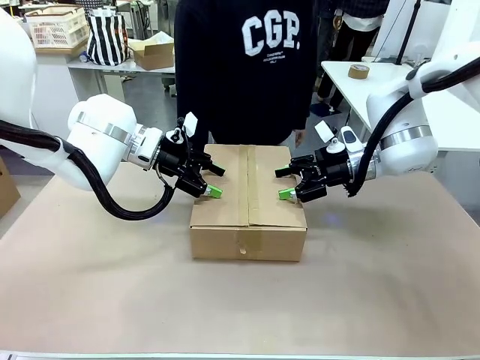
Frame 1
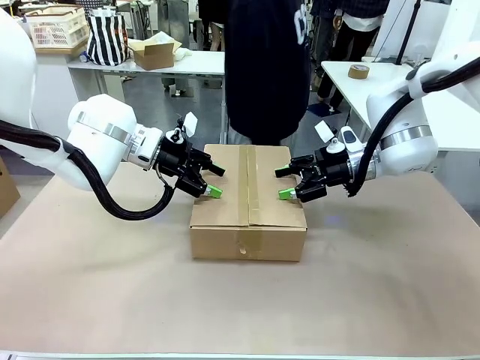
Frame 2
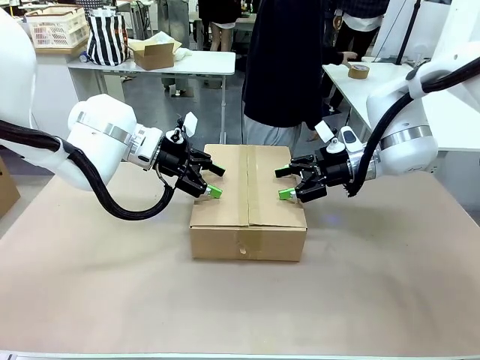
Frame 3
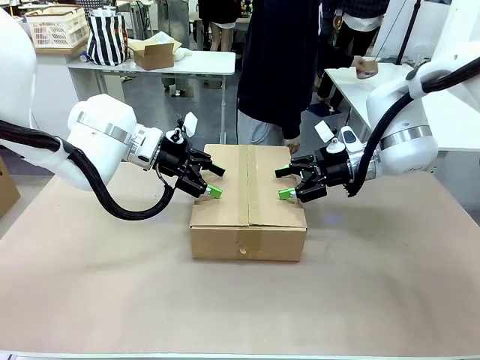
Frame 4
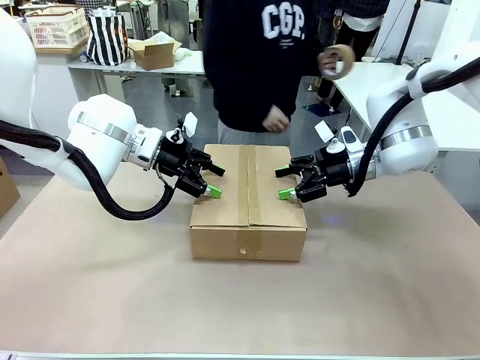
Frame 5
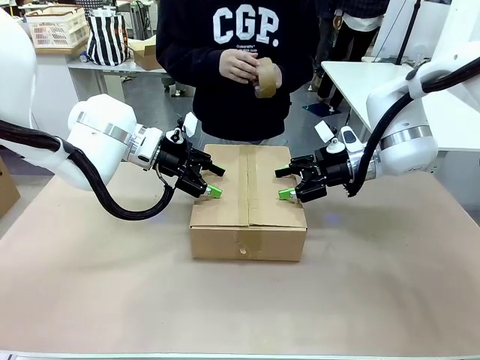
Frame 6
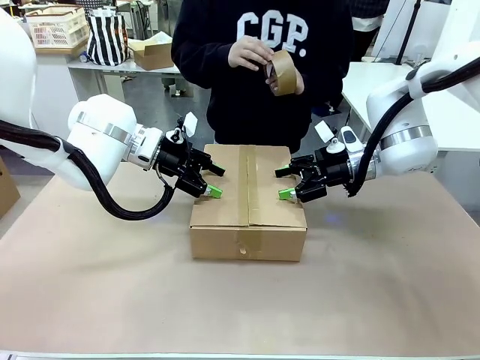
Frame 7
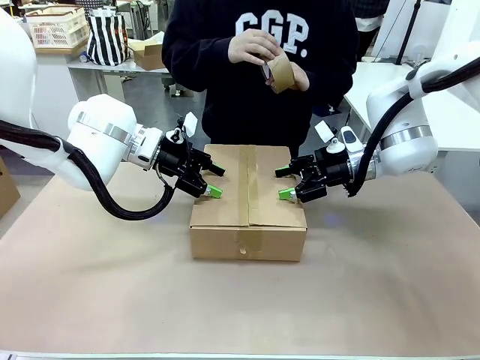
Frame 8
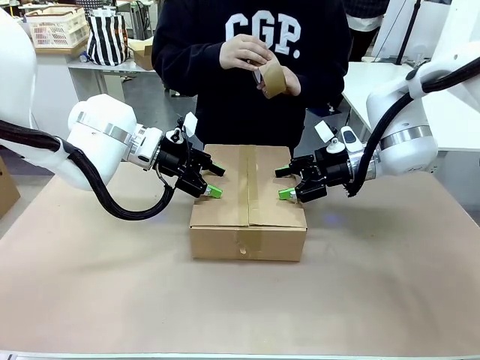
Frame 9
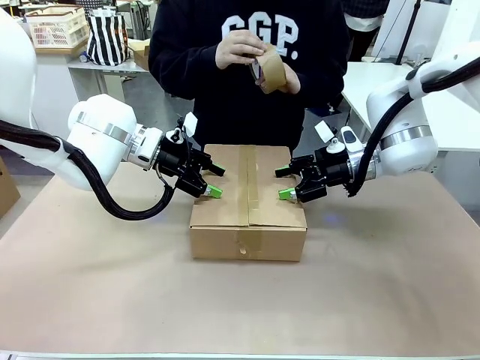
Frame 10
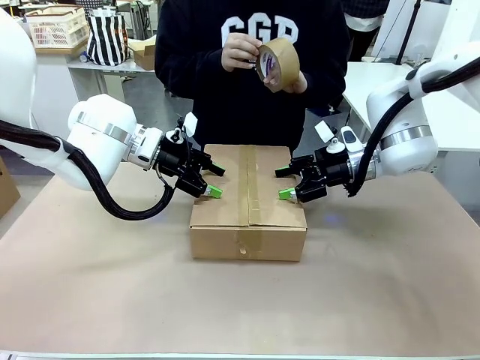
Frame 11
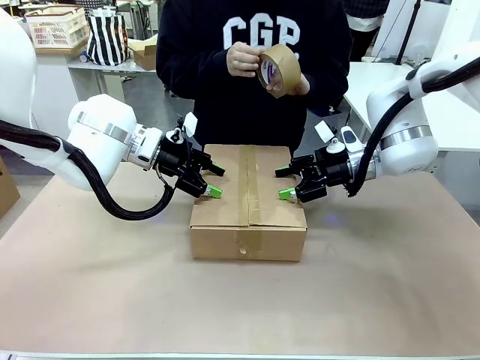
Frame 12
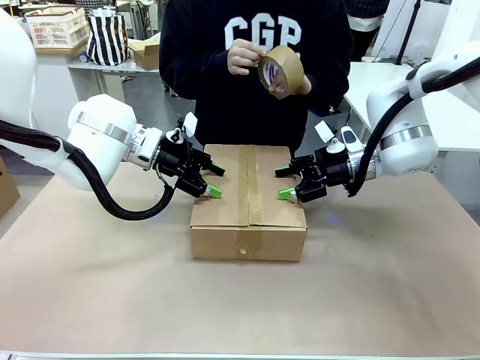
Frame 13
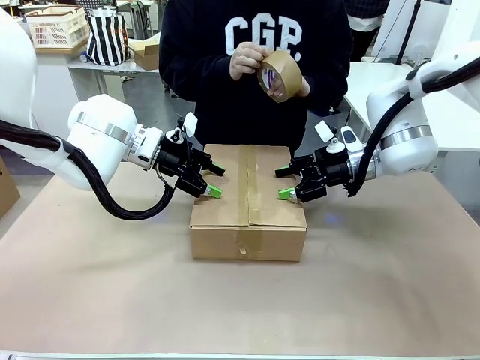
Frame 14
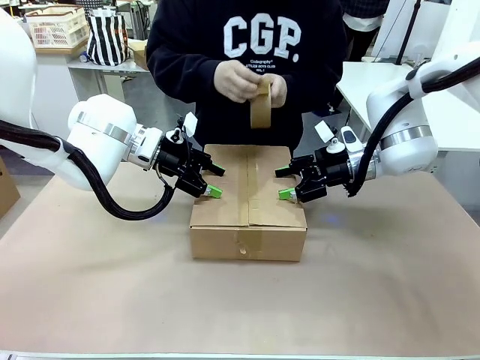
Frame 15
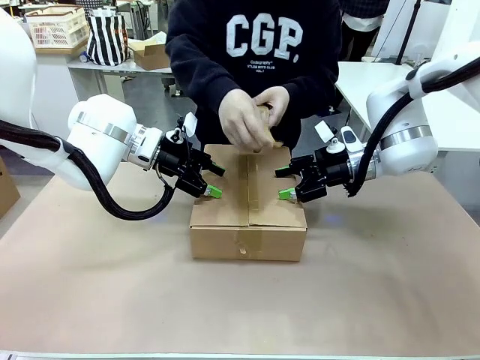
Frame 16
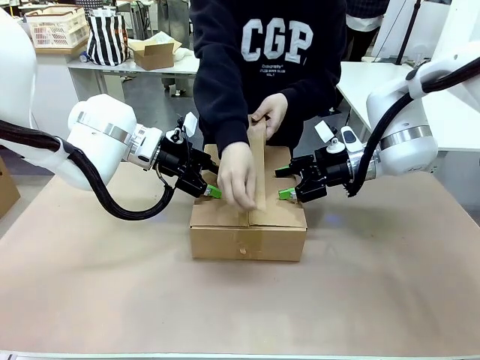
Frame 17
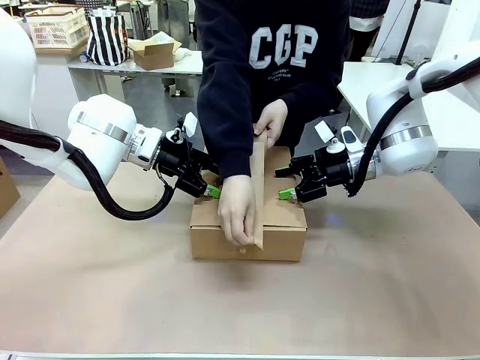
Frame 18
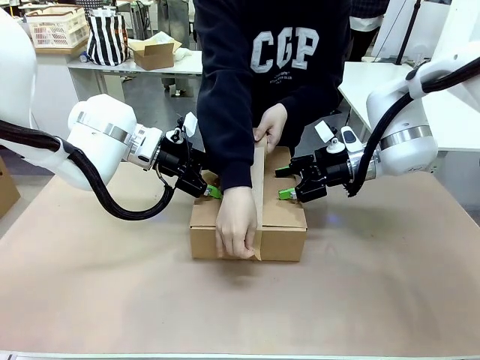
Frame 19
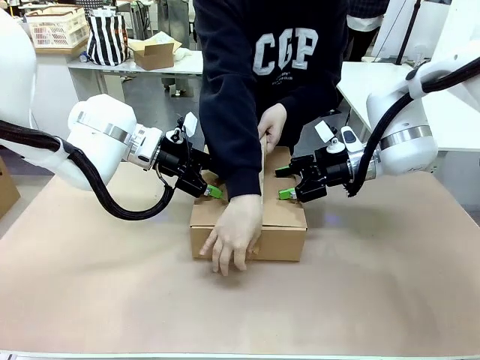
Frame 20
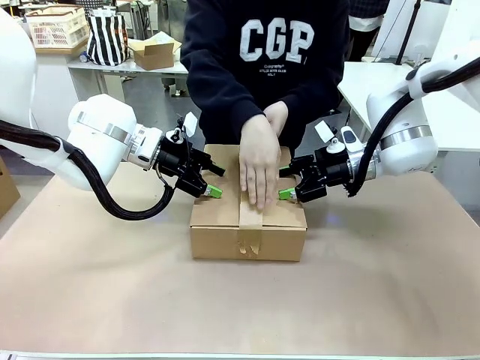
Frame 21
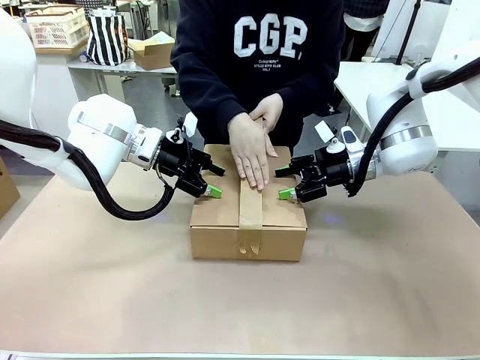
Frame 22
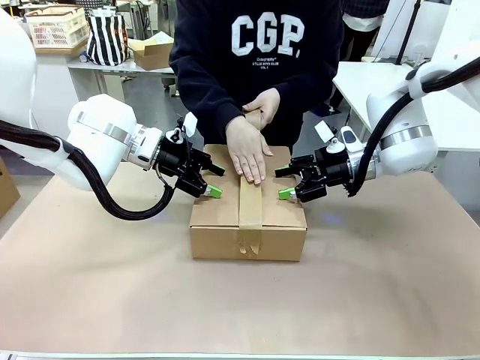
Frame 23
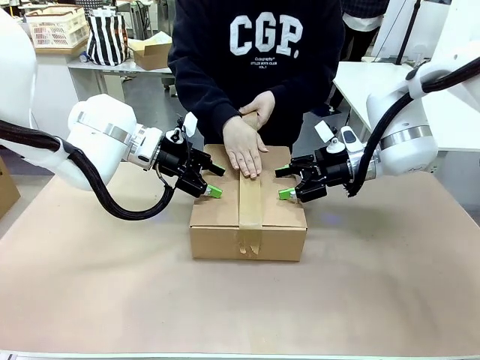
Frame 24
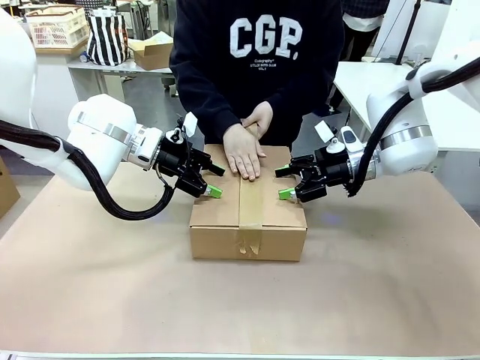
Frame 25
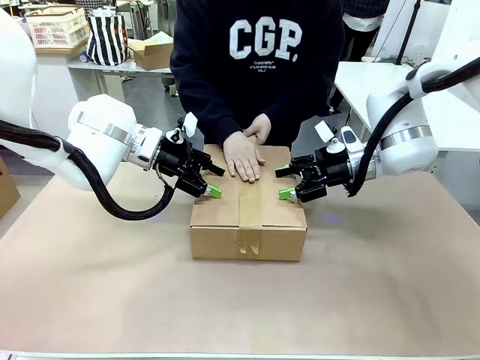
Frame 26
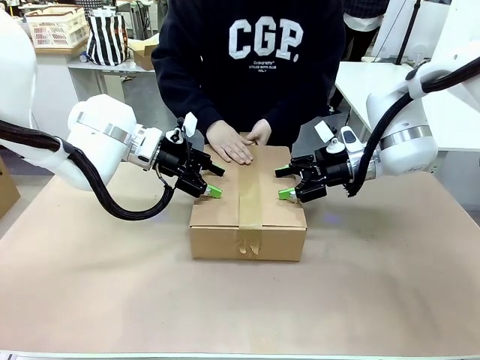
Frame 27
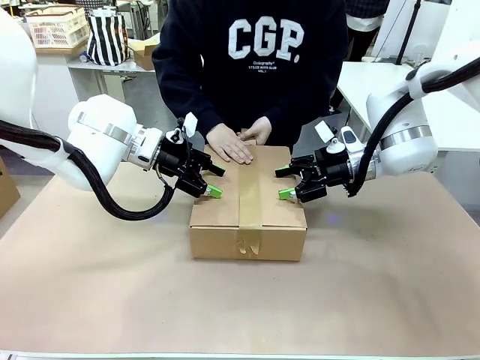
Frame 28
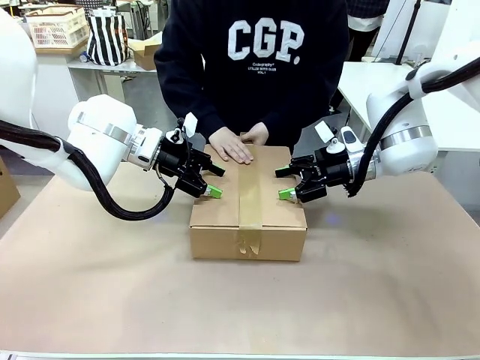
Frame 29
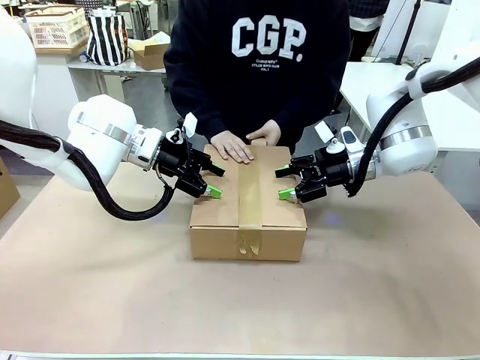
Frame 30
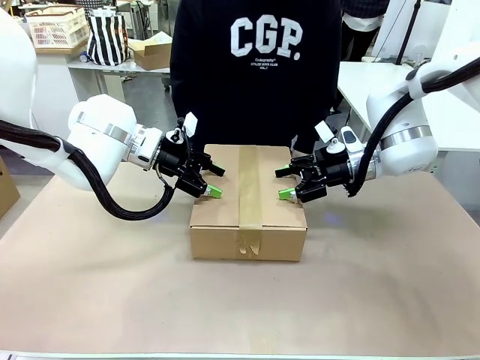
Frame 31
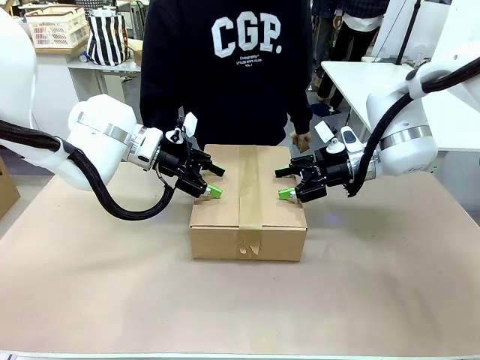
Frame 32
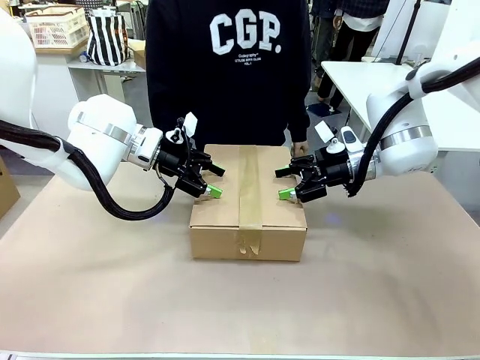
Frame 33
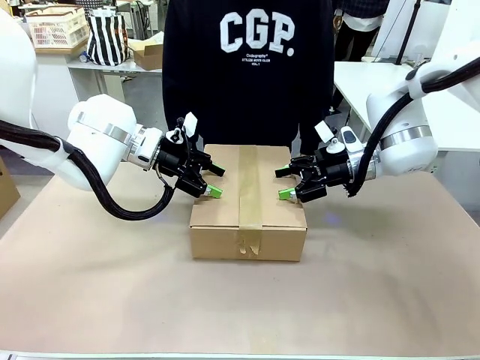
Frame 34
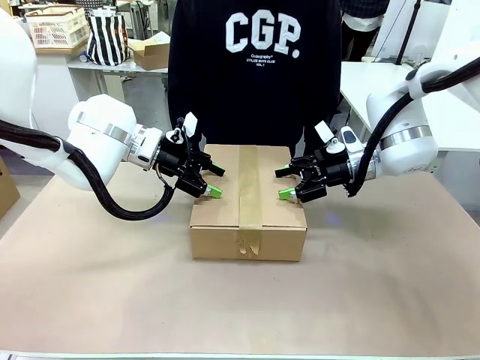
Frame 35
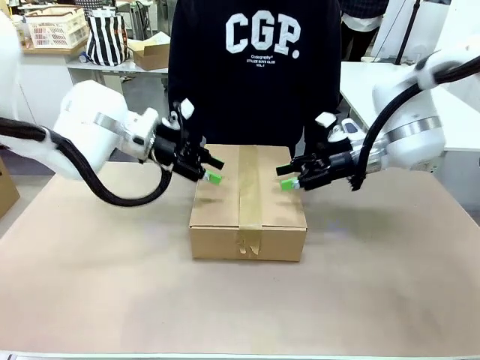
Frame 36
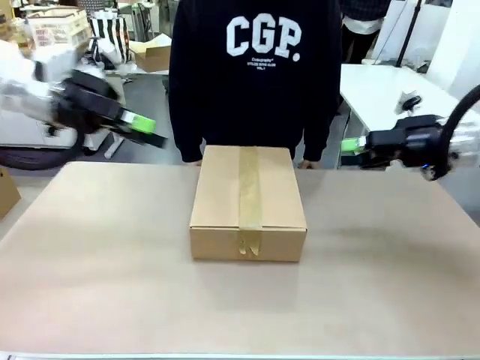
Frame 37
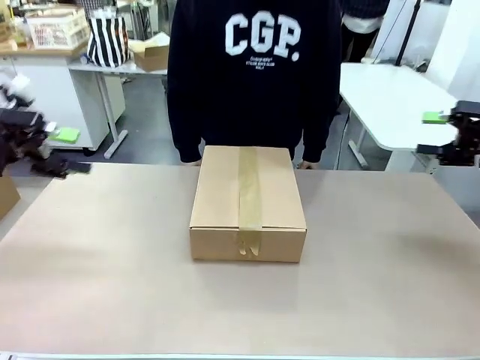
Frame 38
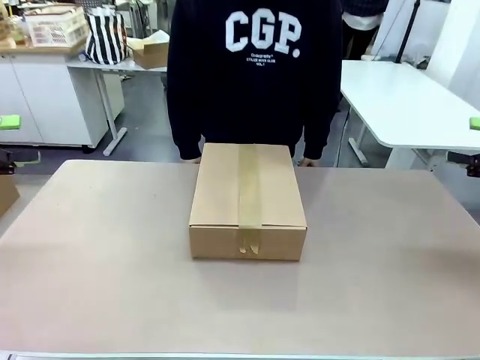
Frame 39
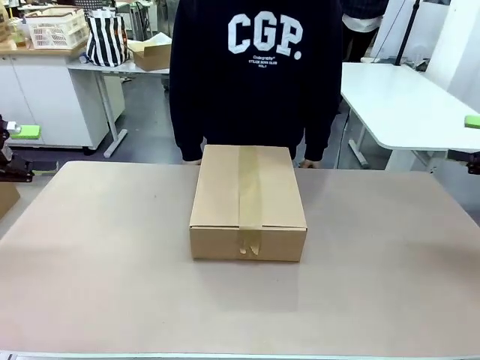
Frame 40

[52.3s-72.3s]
Task: Pack the gift set into the box.
Robot: Press and hold the closed box until the human finishes sealing it.
Person: The human picks up the paper tape from the human table and packs the box.

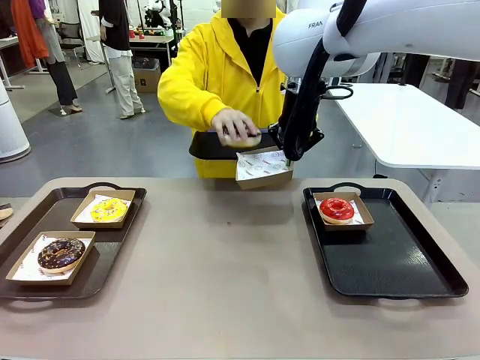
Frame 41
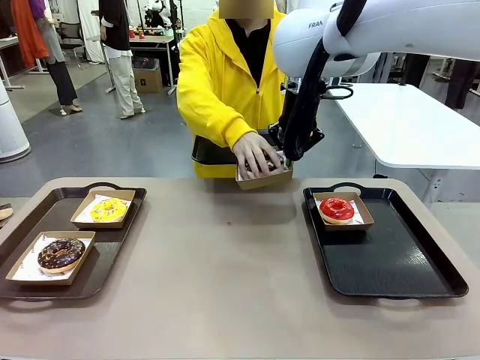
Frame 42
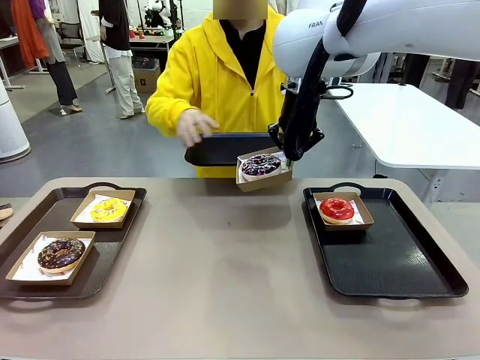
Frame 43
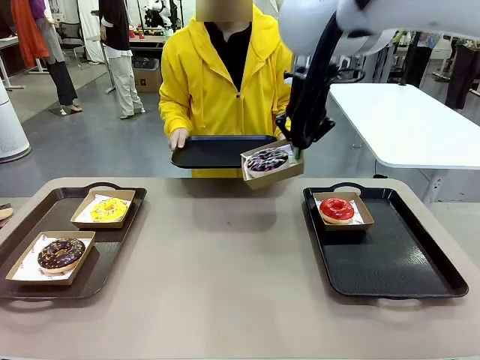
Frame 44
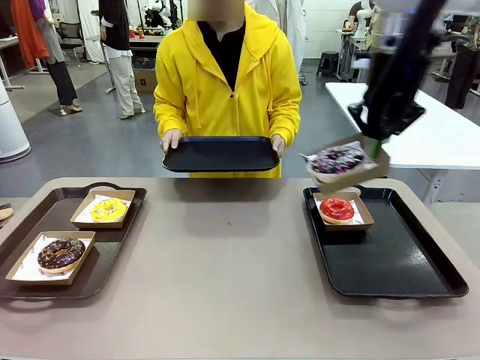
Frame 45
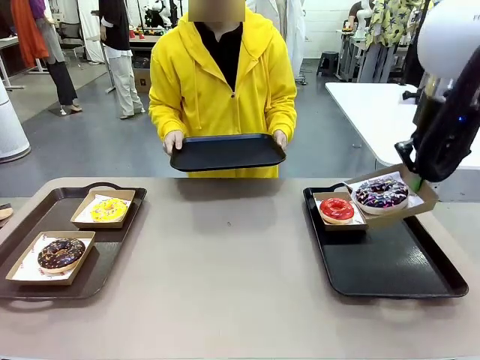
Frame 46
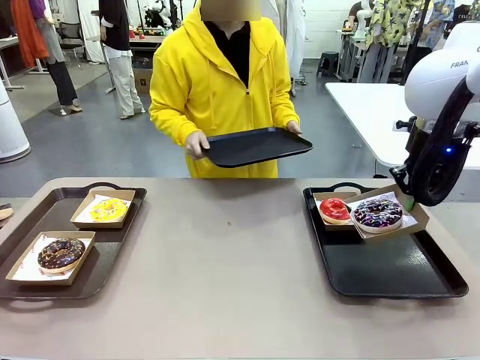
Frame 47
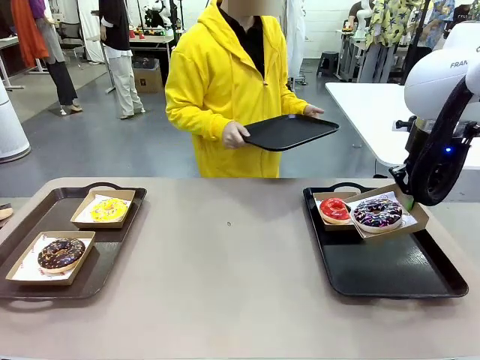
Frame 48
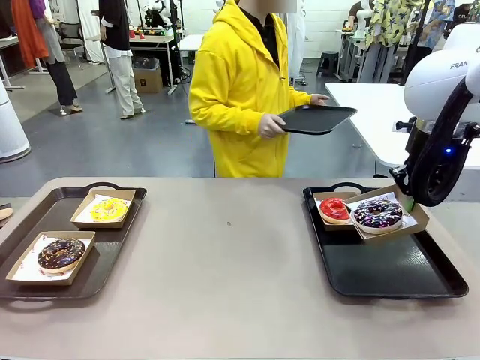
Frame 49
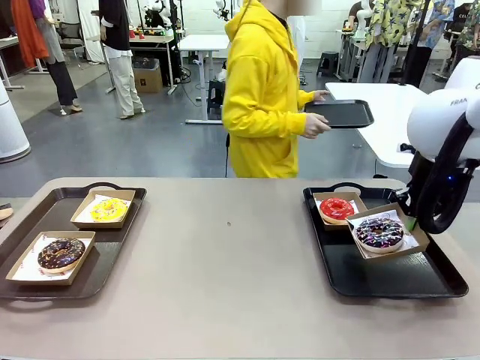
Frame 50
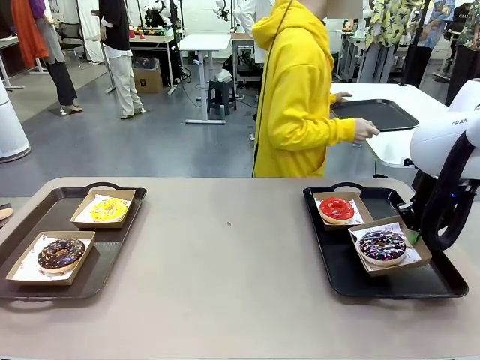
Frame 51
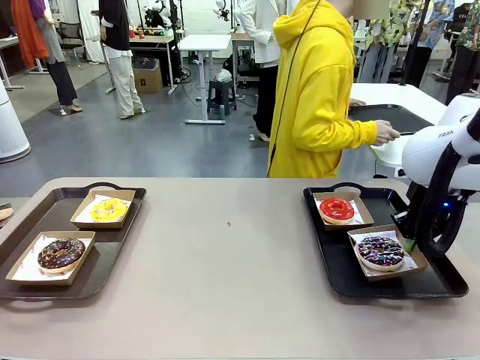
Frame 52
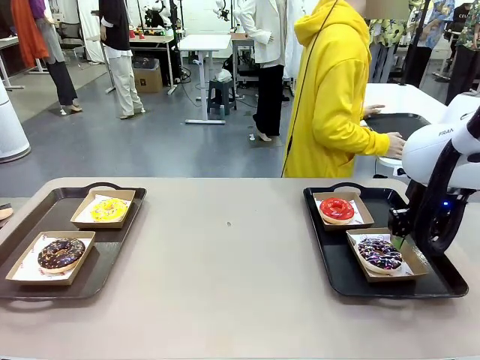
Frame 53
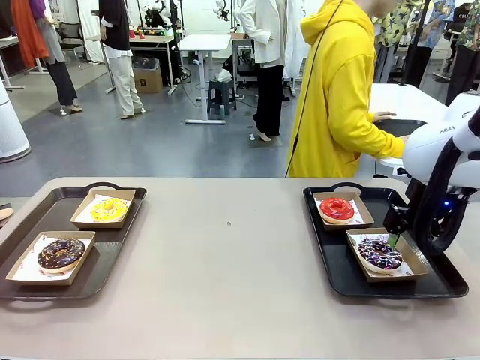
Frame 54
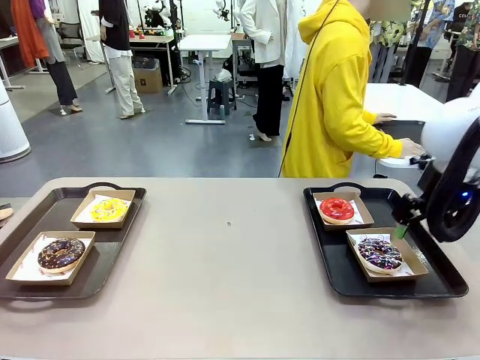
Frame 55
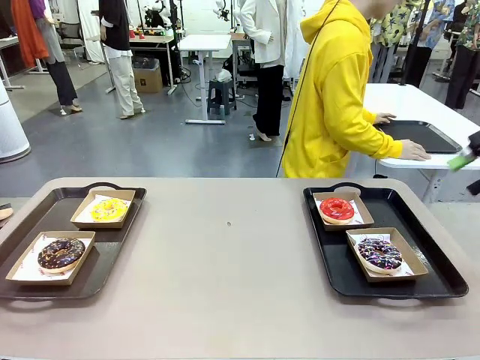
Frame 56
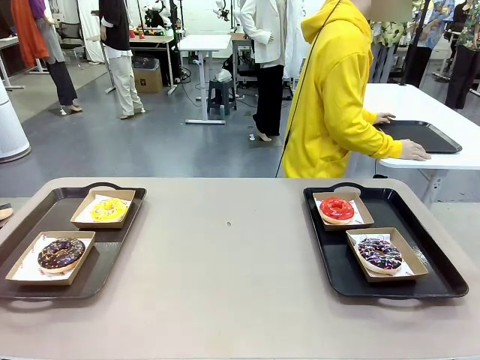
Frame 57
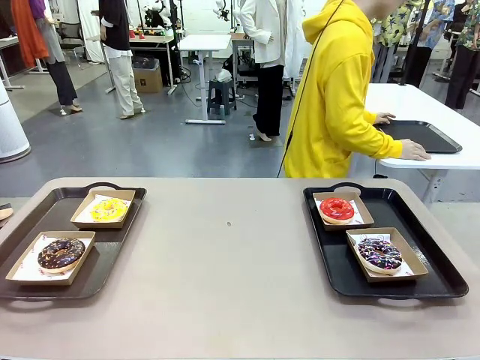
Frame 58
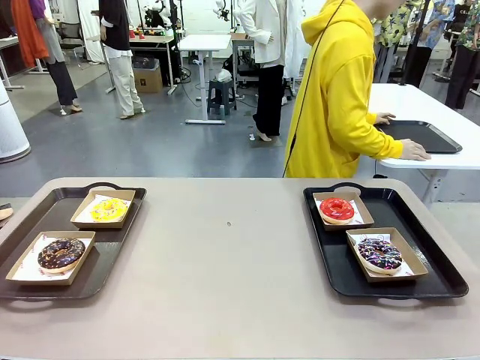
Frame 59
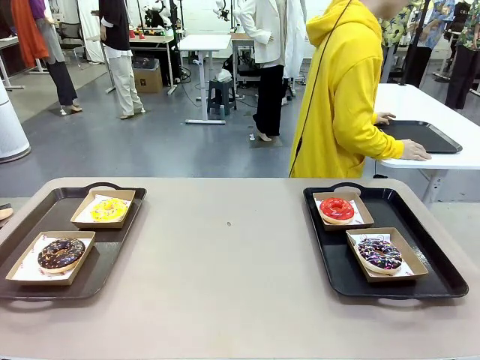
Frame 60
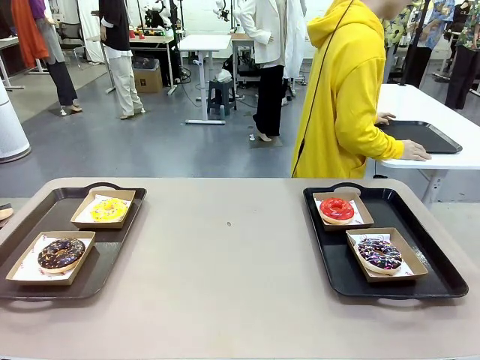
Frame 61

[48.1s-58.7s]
Task: Individually package the donuts and arrange them on the tray.
Robot: Place the picked Paper togo box on the Handle tray.
Person: Place the tray down in the middle of the human table.
